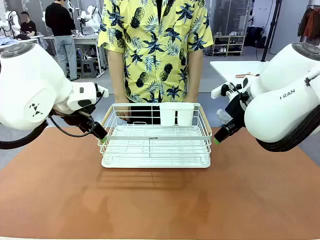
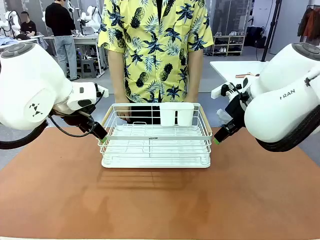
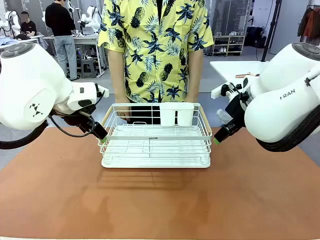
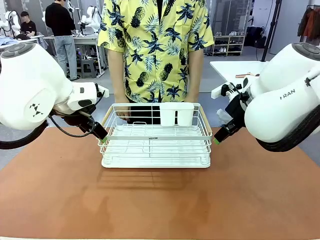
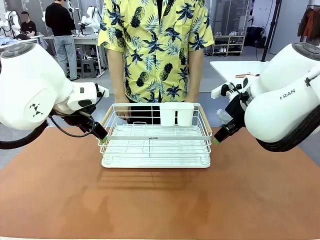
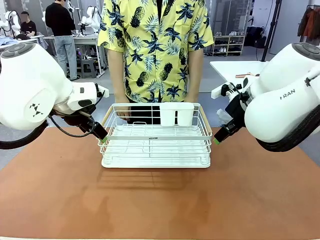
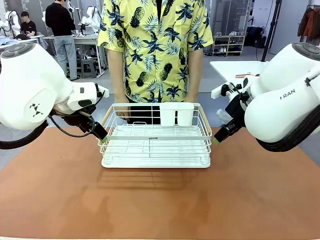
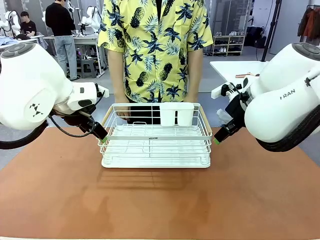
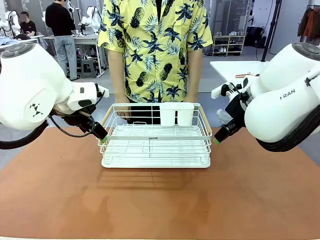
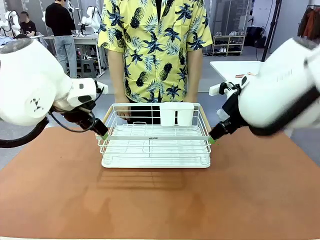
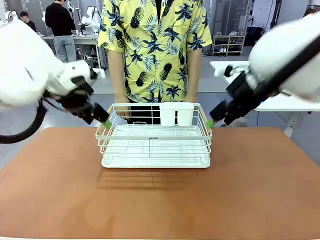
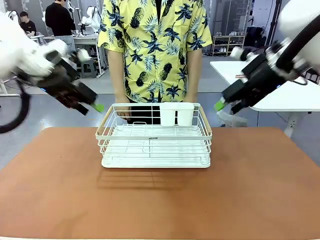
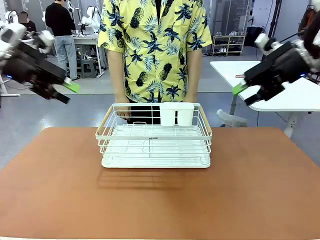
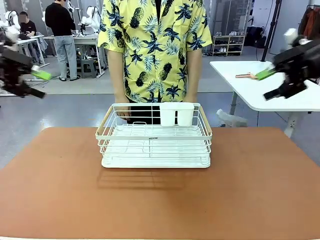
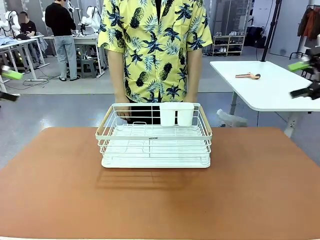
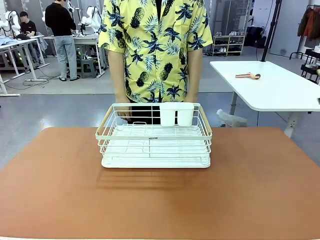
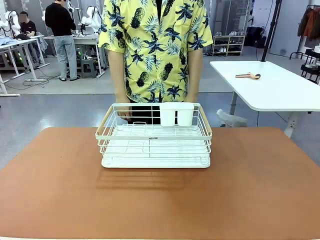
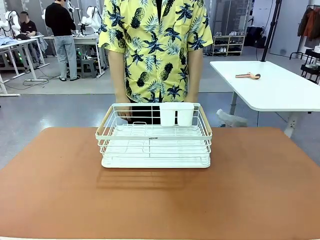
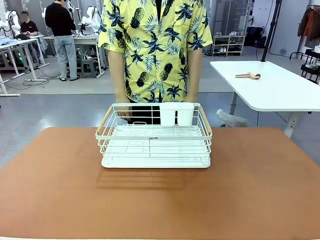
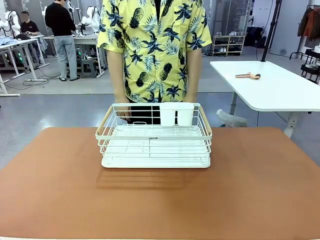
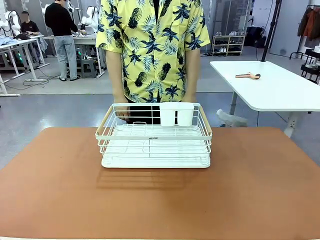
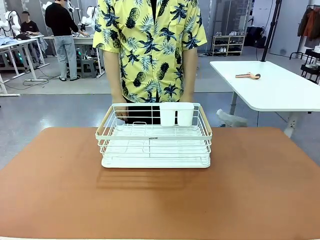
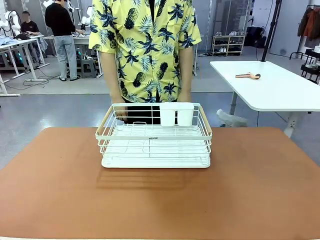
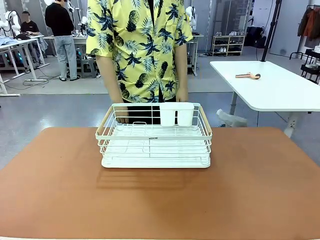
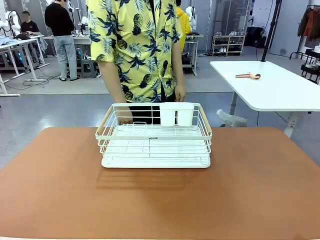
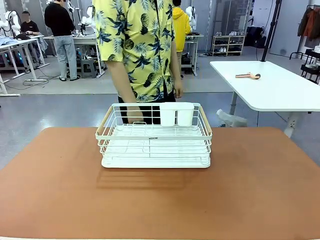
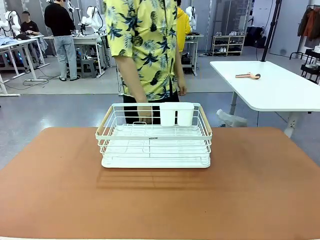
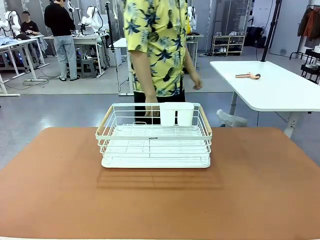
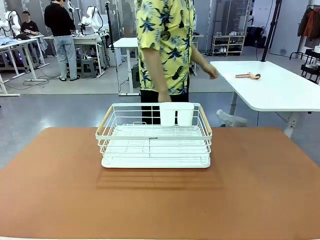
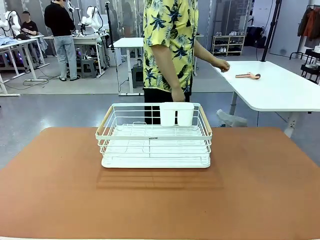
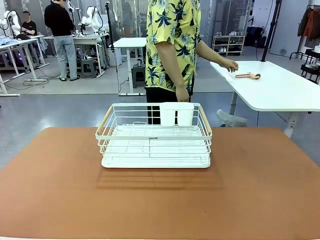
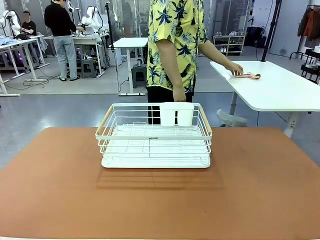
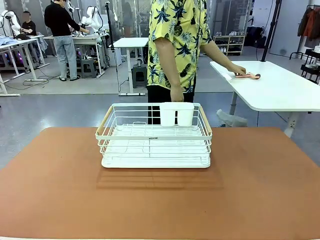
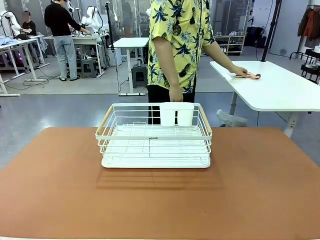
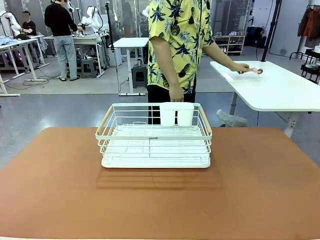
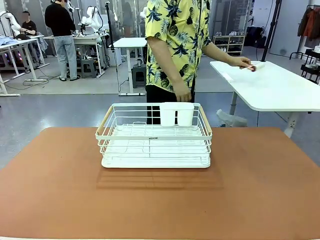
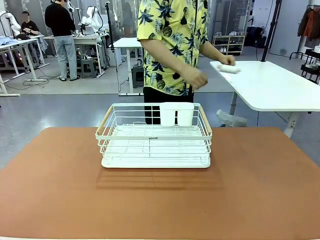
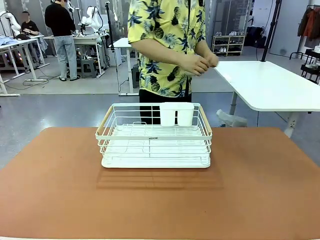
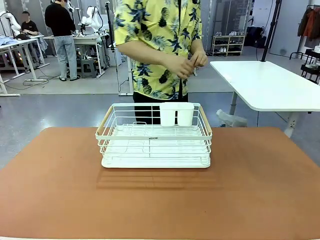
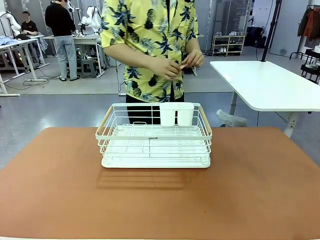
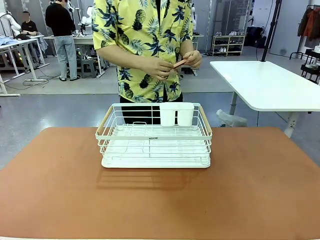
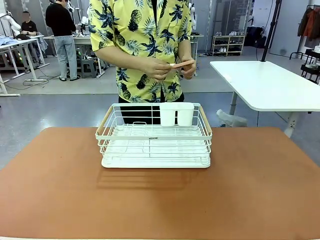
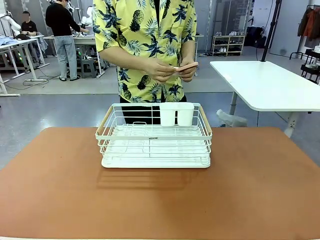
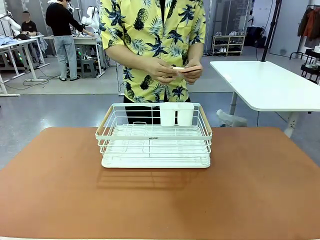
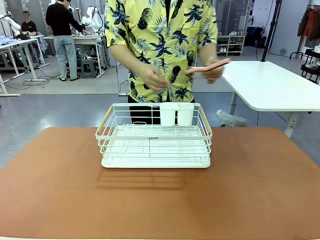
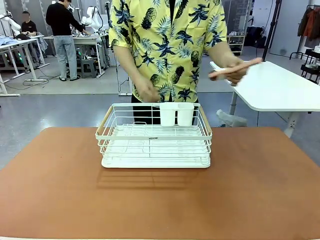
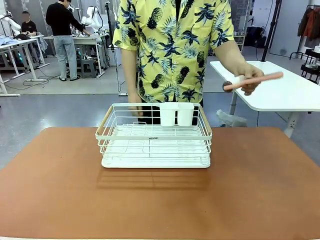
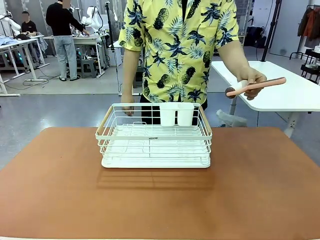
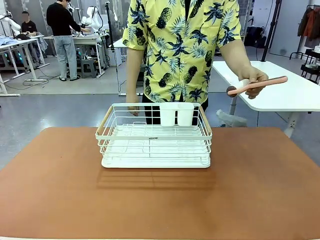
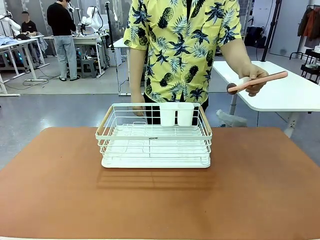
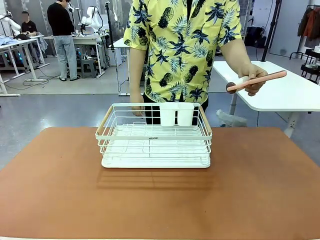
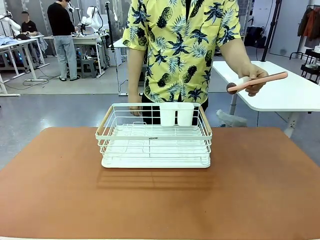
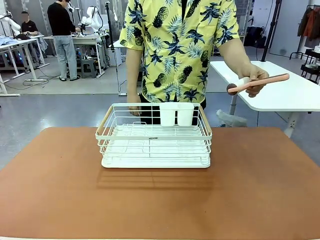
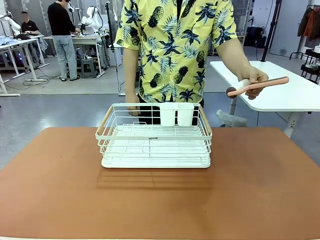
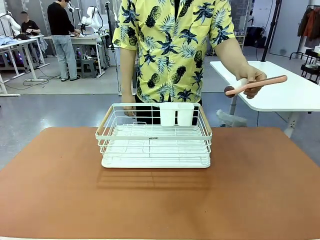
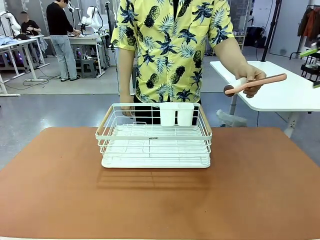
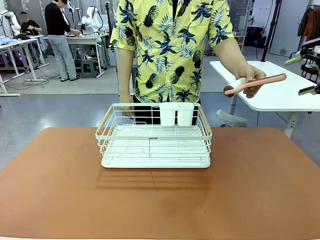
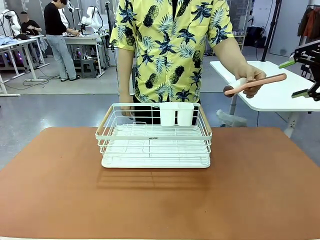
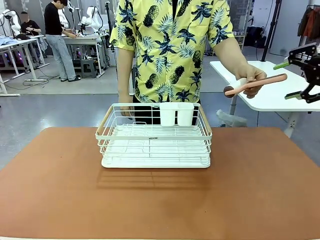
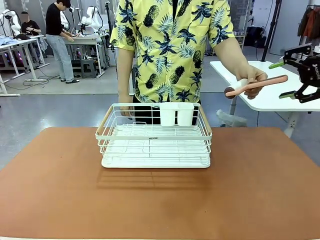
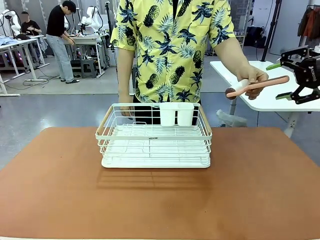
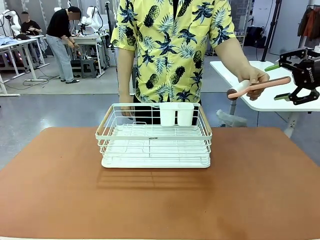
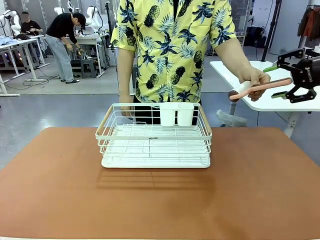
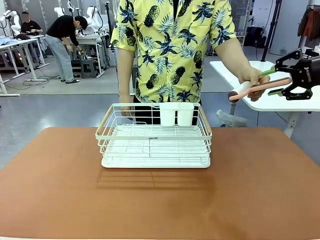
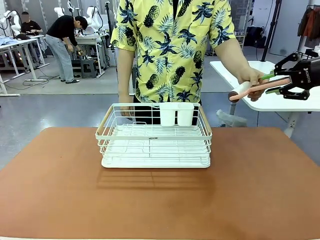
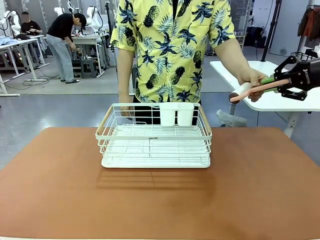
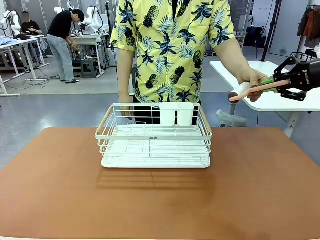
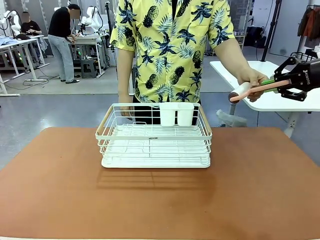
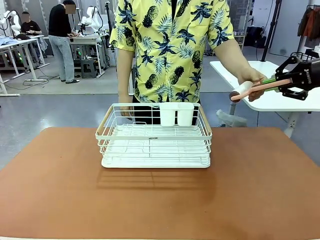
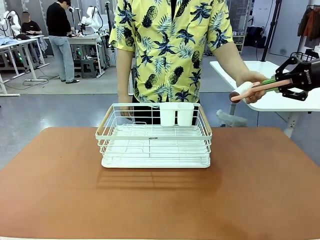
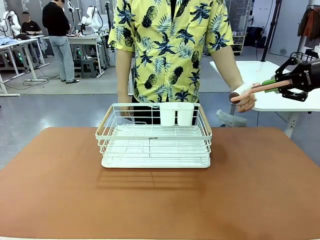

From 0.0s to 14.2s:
Task: Clean the table.
Robot: Pick up the Lint Roller when the human hands it over.
Person: Hand the Lint Roller to the robot so it can easily pick it up. Lift the Dish drying rack.

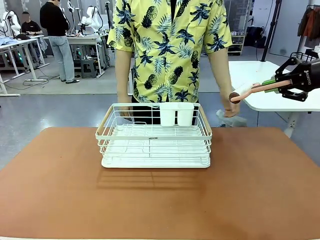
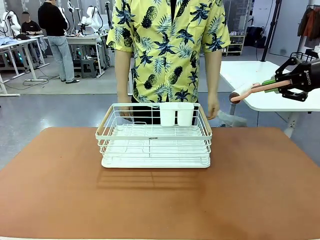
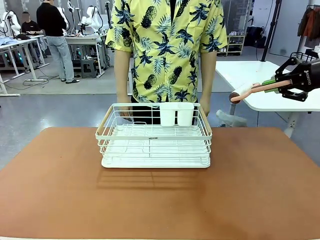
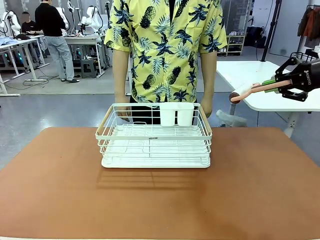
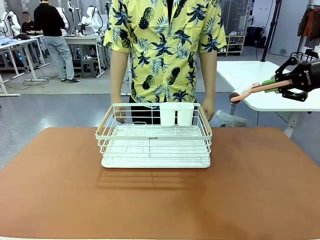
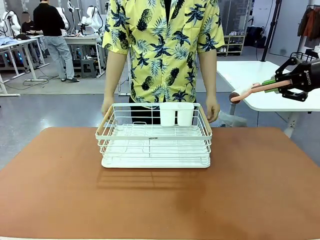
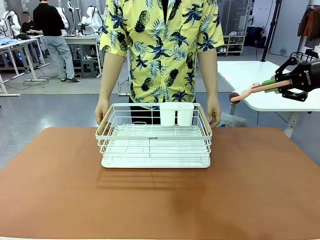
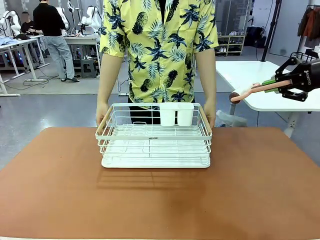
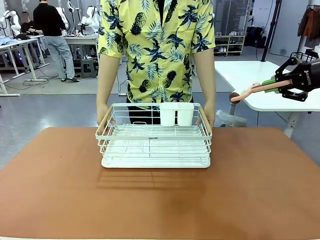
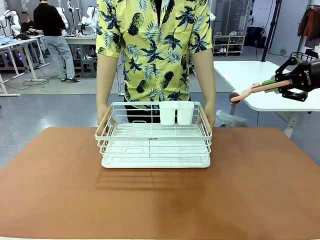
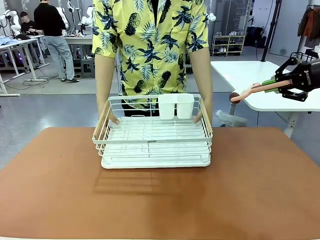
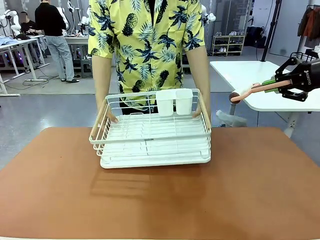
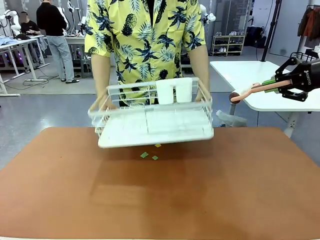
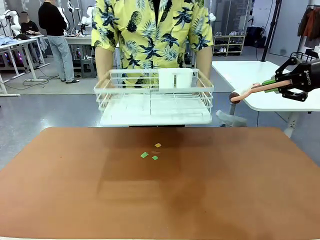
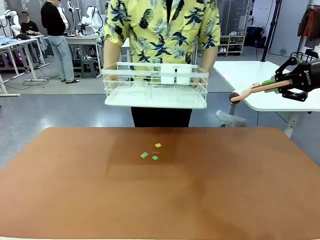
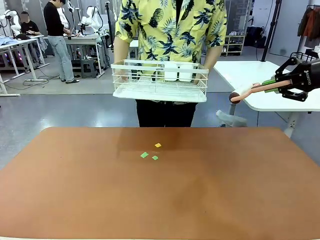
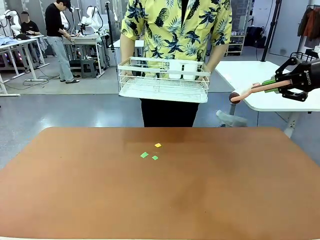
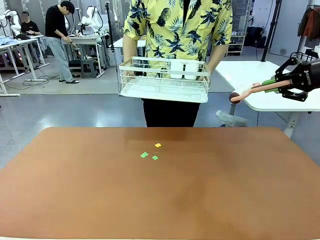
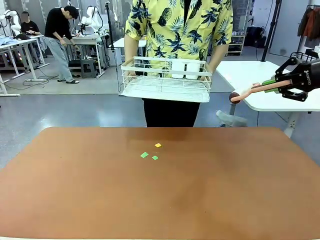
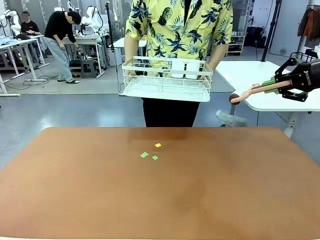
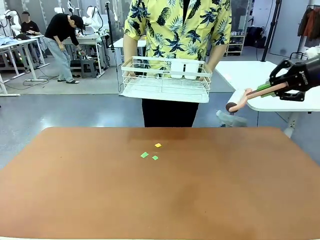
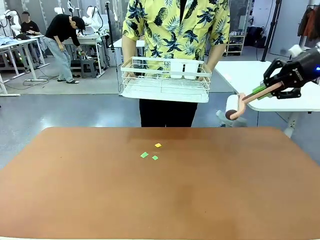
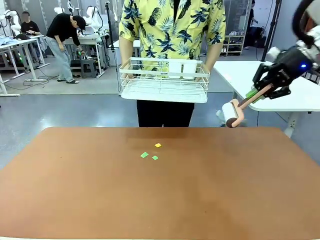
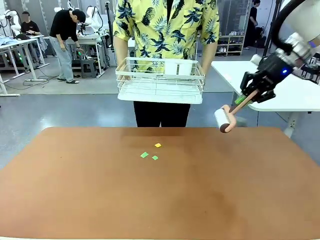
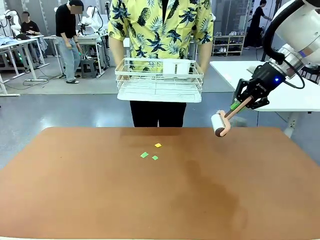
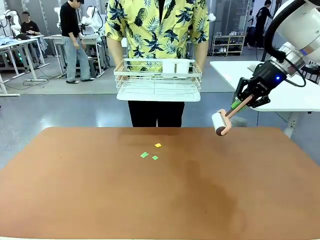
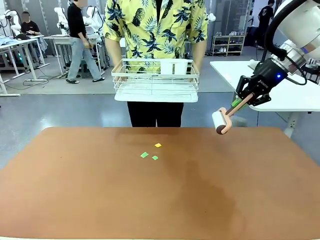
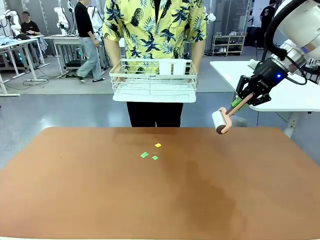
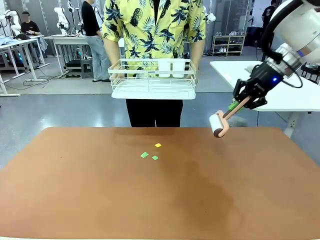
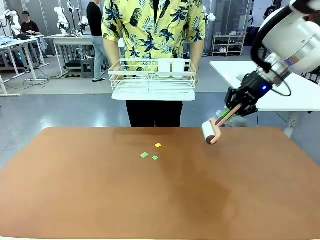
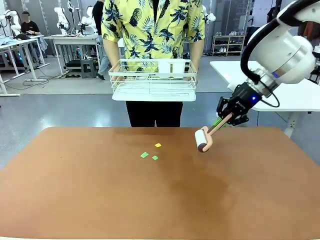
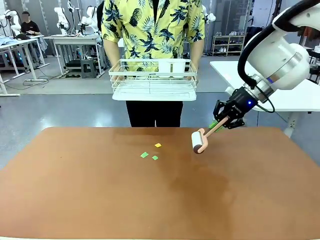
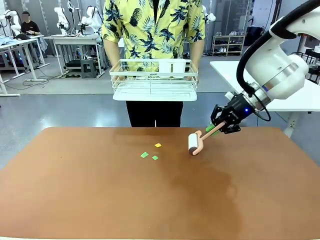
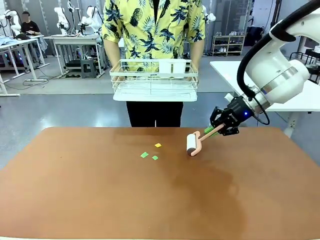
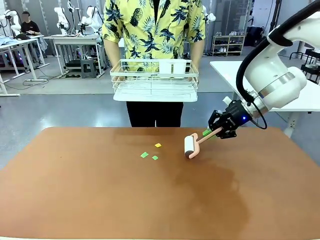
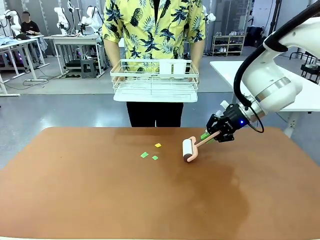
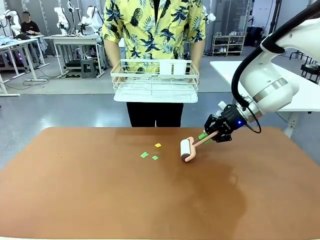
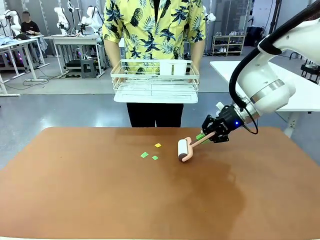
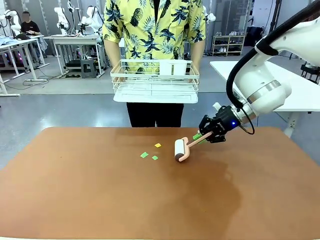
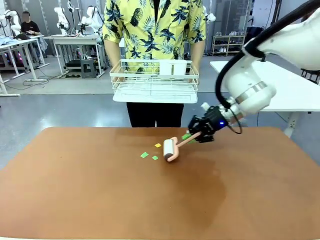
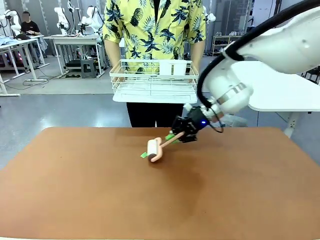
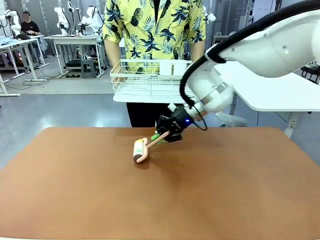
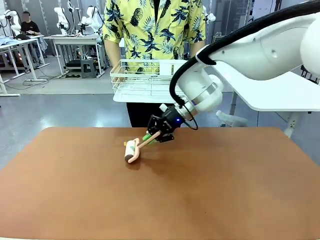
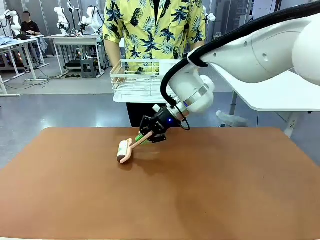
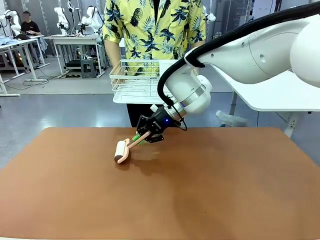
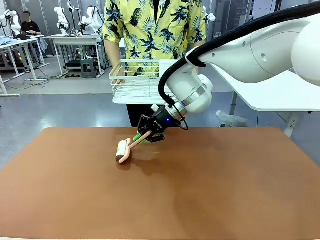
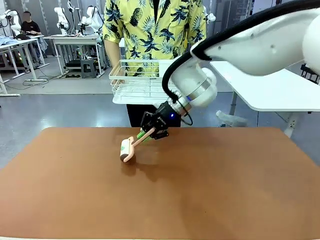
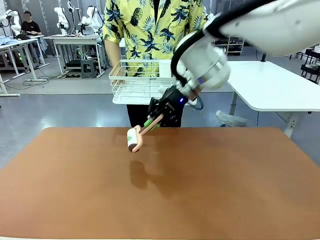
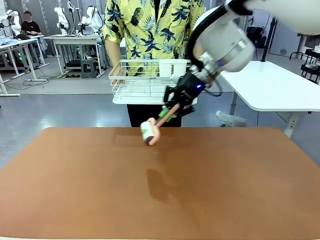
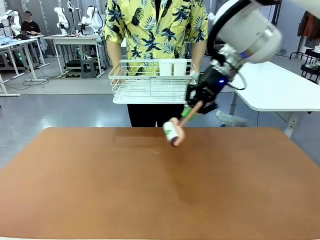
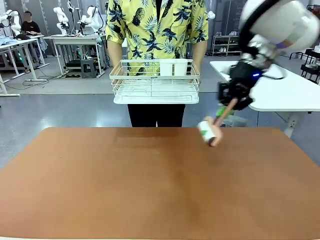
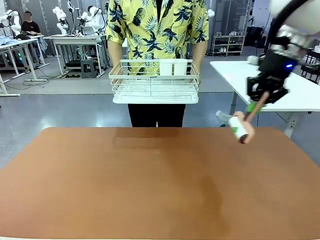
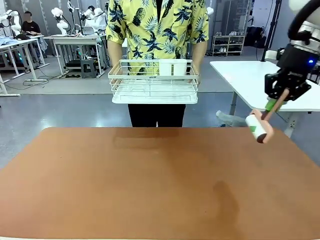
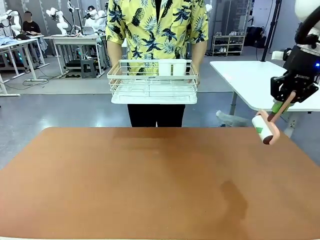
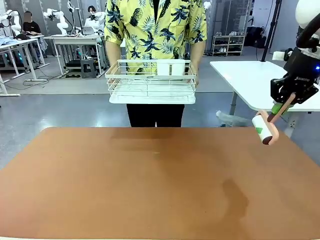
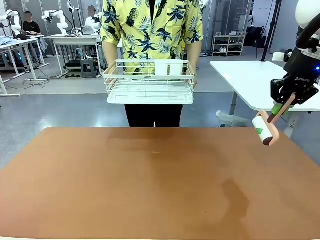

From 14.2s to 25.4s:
Robot: Clean the table with the Lint Roller when the human lifts the Dish drying rack.
